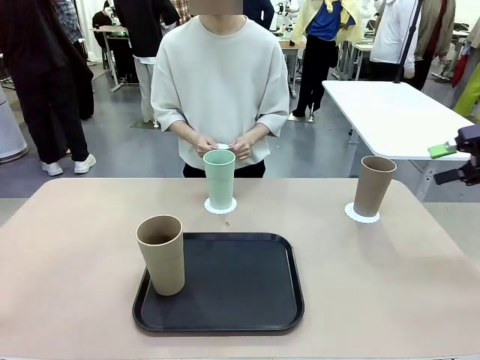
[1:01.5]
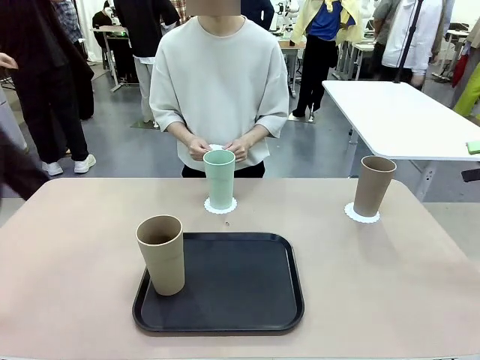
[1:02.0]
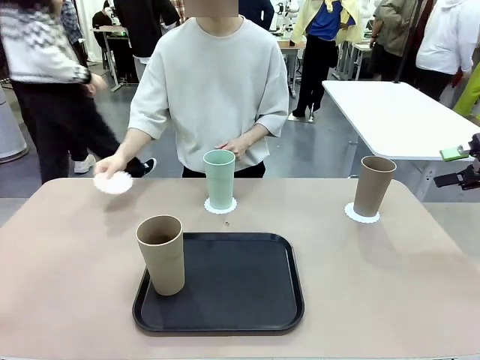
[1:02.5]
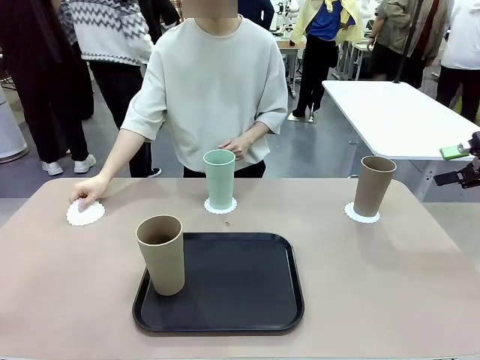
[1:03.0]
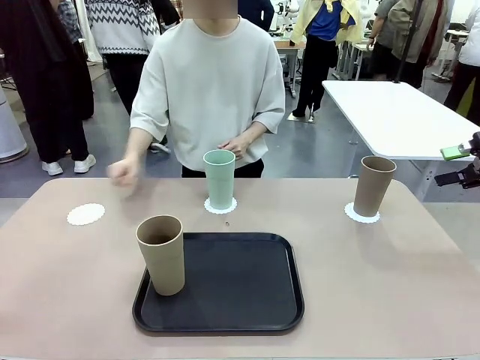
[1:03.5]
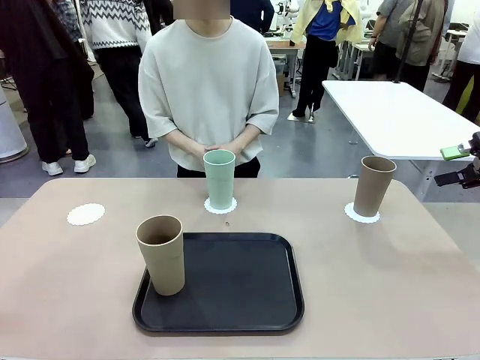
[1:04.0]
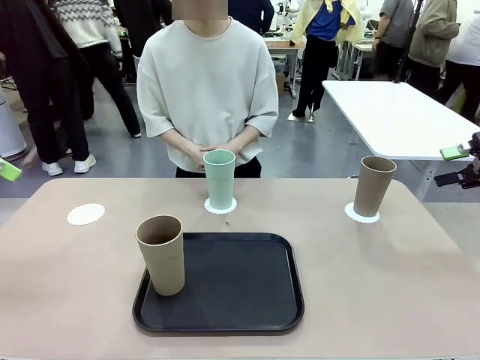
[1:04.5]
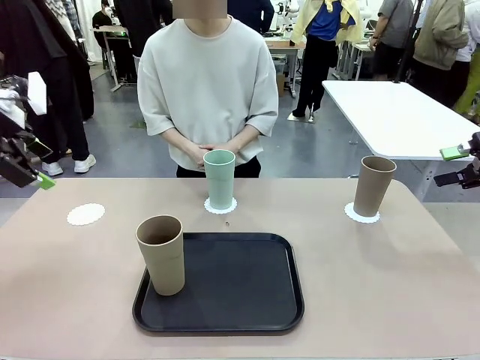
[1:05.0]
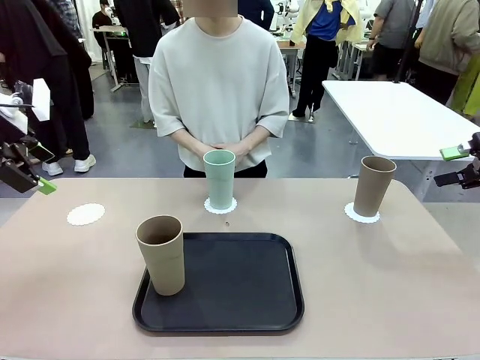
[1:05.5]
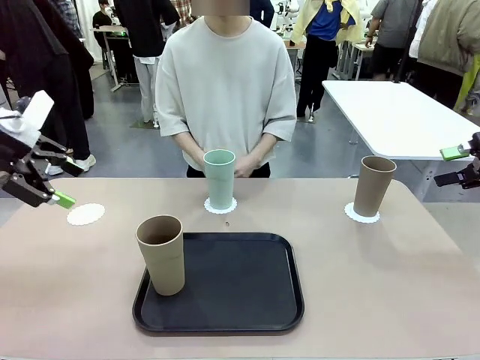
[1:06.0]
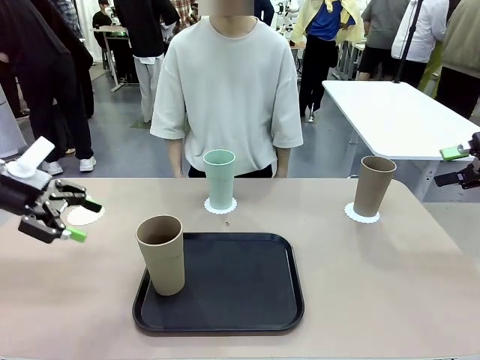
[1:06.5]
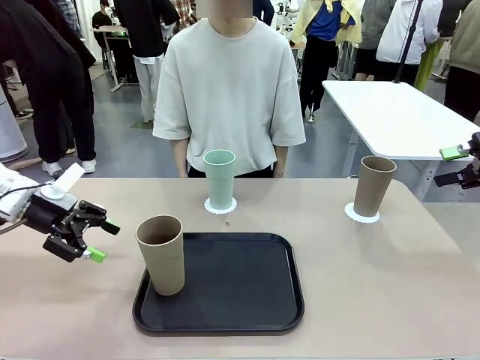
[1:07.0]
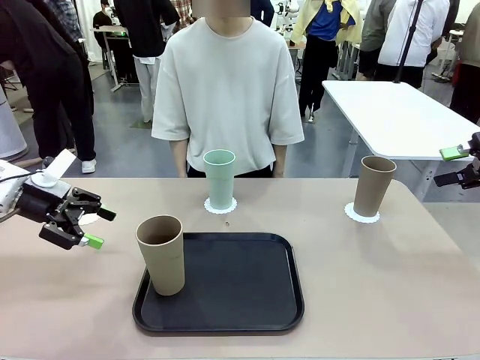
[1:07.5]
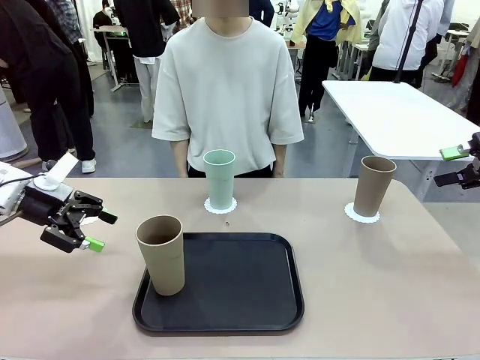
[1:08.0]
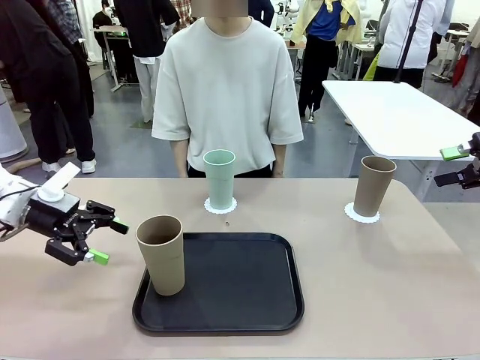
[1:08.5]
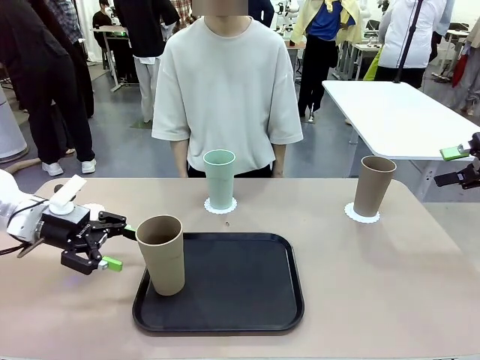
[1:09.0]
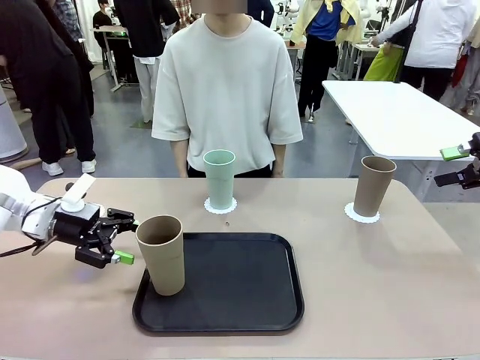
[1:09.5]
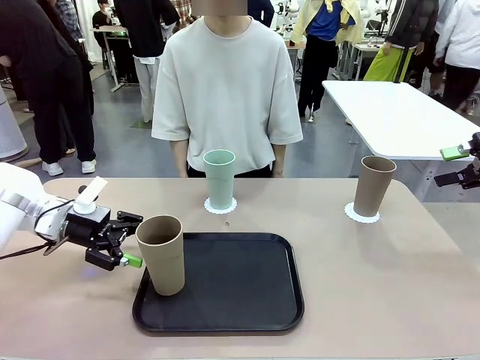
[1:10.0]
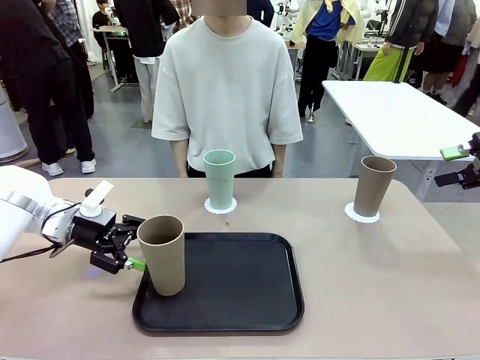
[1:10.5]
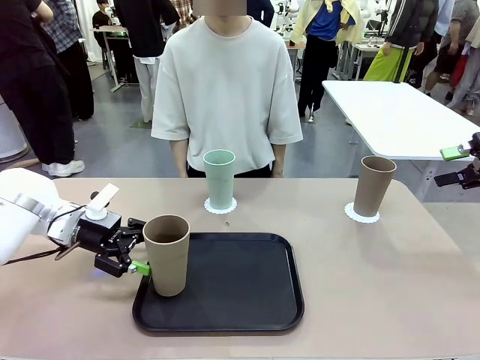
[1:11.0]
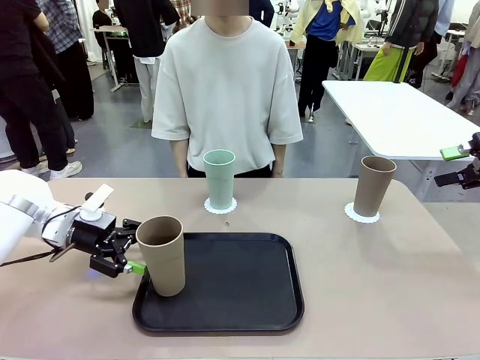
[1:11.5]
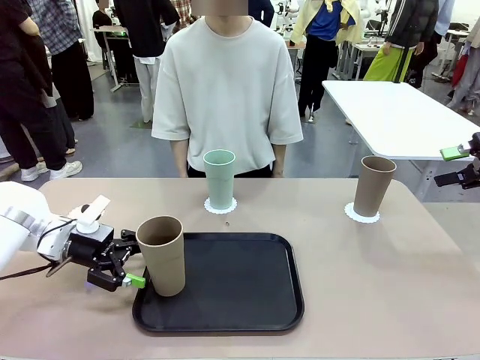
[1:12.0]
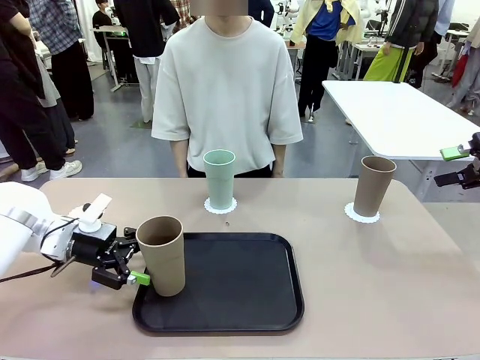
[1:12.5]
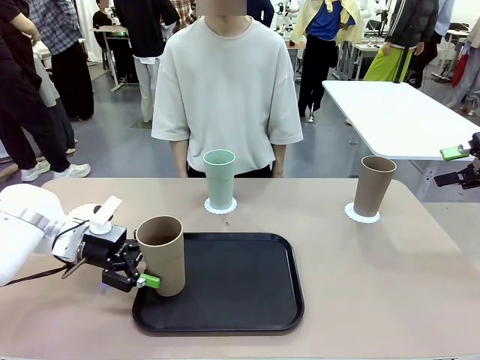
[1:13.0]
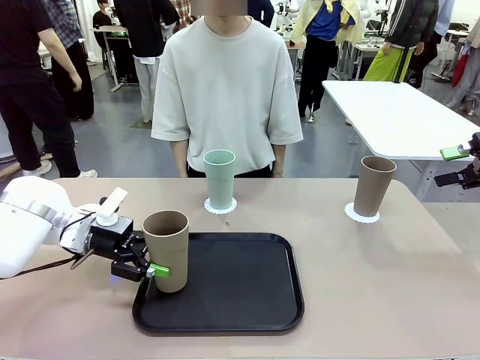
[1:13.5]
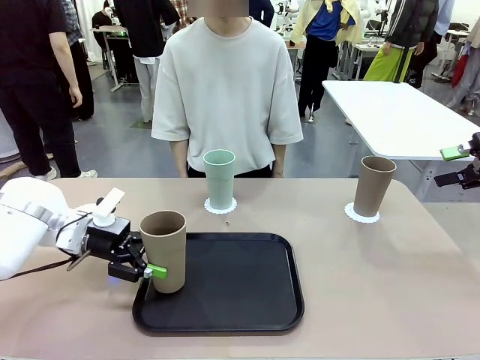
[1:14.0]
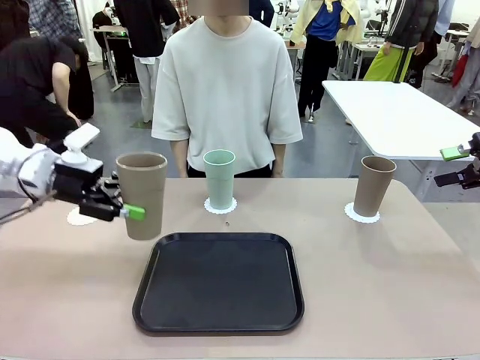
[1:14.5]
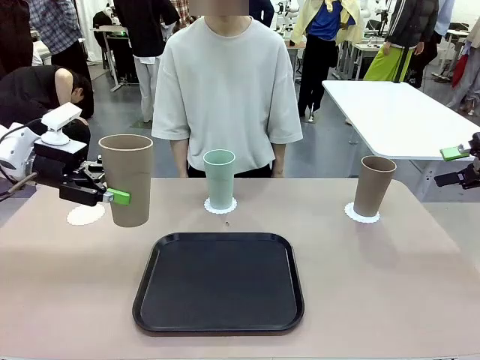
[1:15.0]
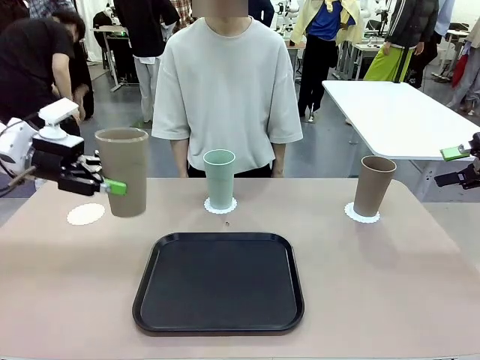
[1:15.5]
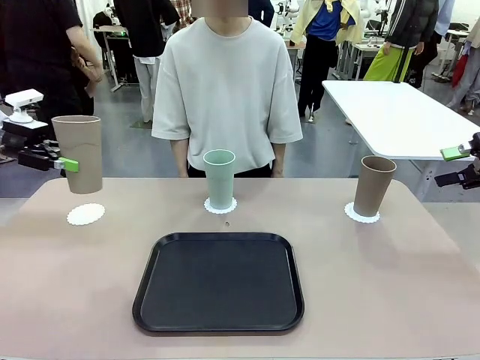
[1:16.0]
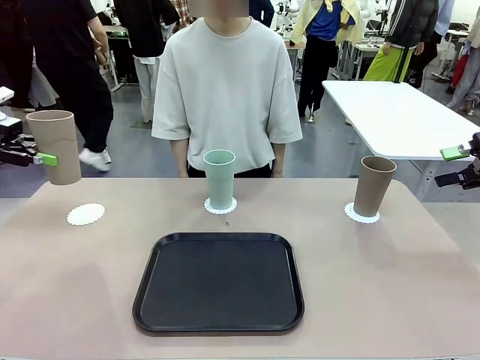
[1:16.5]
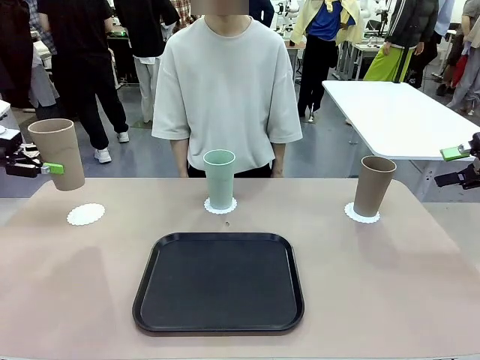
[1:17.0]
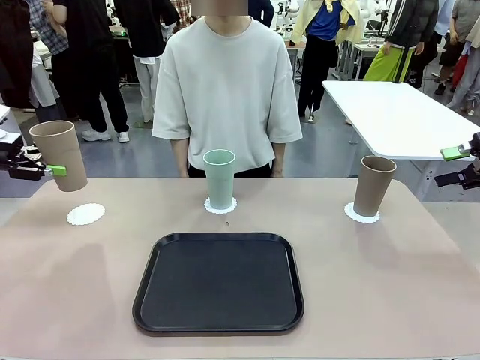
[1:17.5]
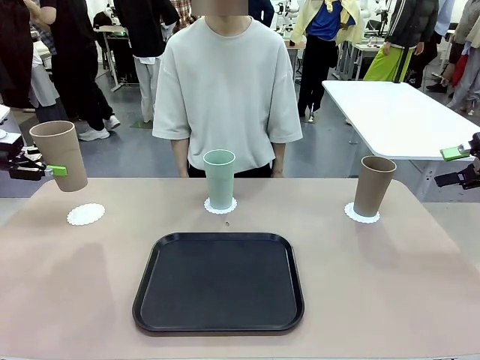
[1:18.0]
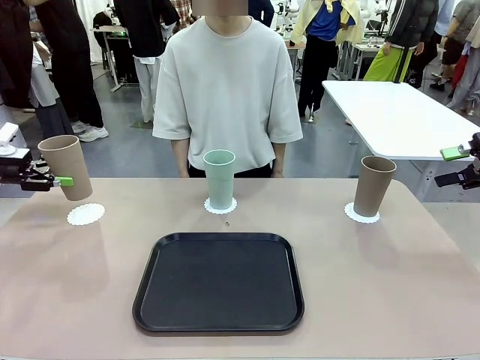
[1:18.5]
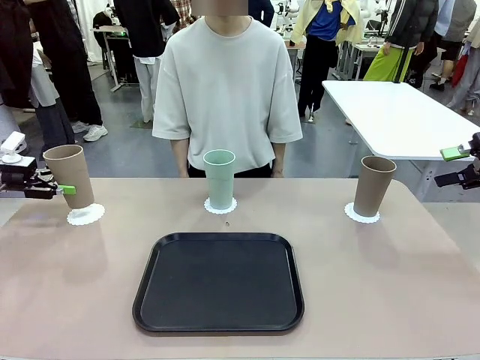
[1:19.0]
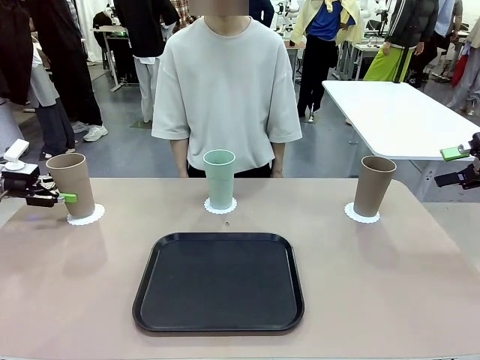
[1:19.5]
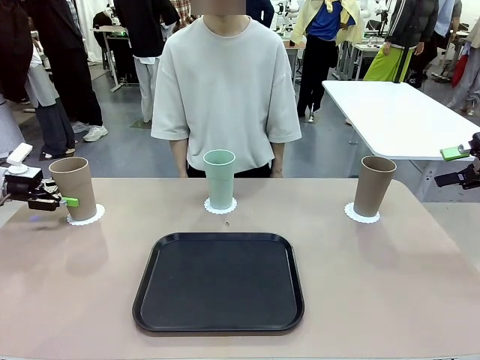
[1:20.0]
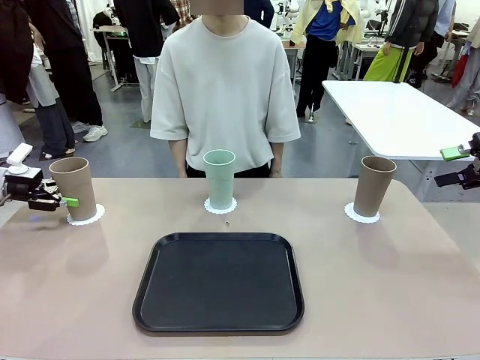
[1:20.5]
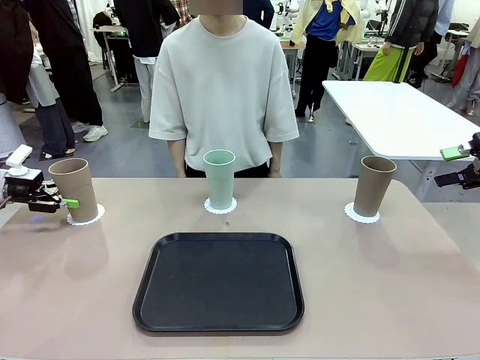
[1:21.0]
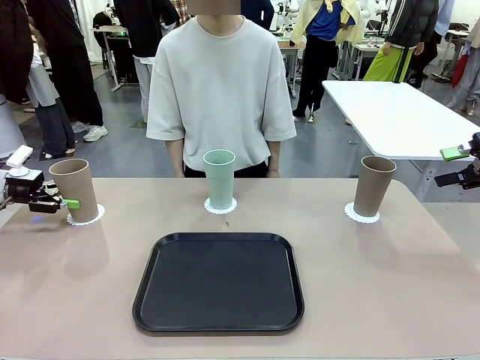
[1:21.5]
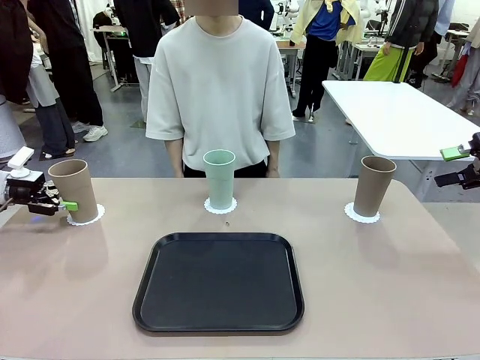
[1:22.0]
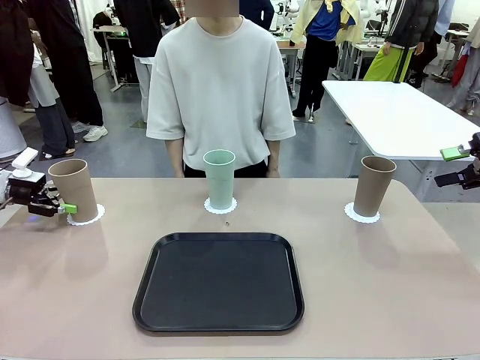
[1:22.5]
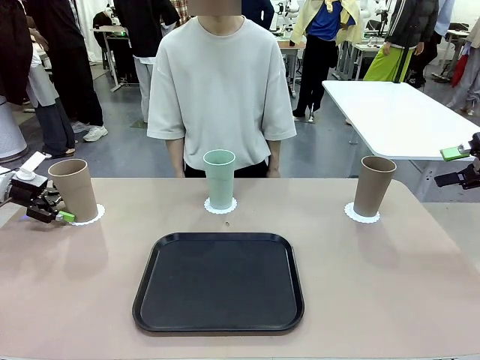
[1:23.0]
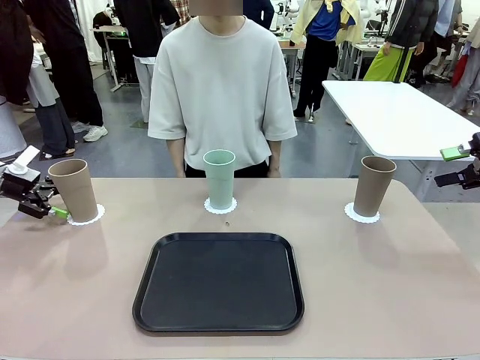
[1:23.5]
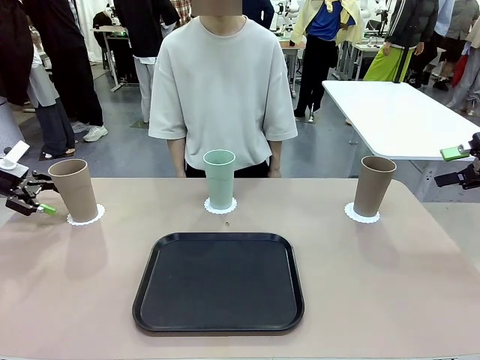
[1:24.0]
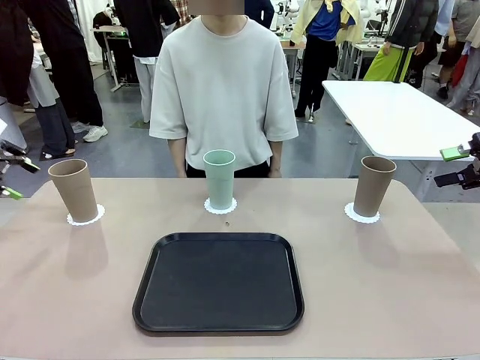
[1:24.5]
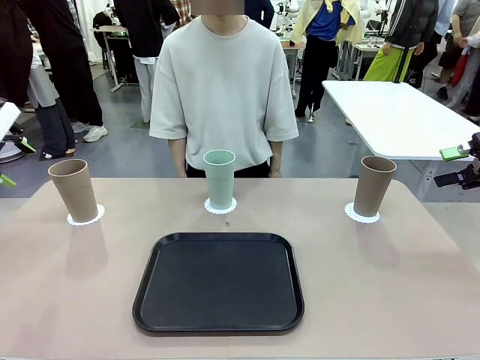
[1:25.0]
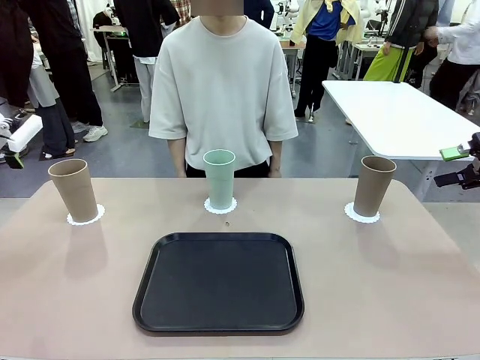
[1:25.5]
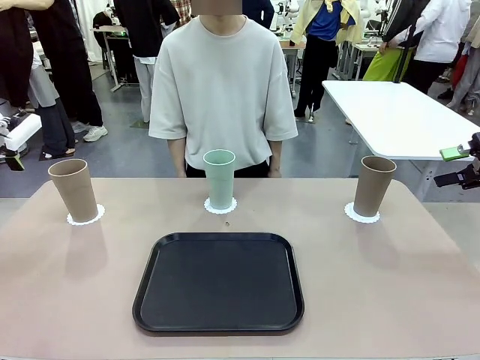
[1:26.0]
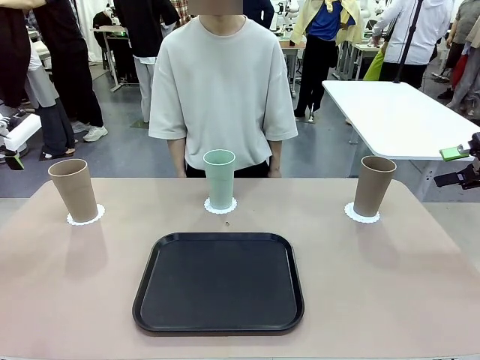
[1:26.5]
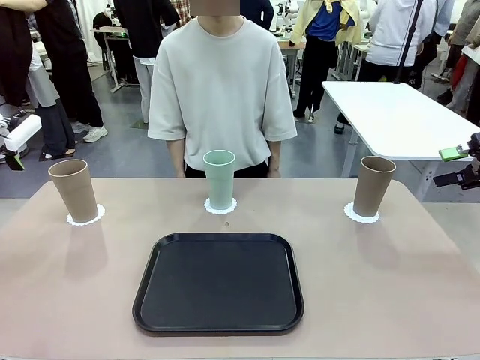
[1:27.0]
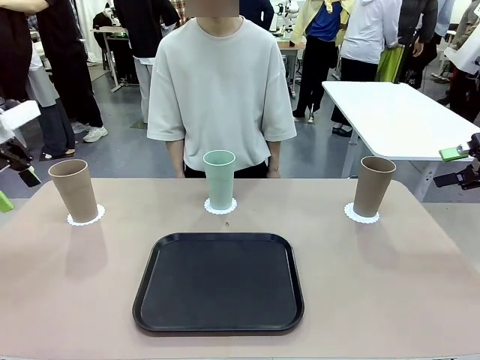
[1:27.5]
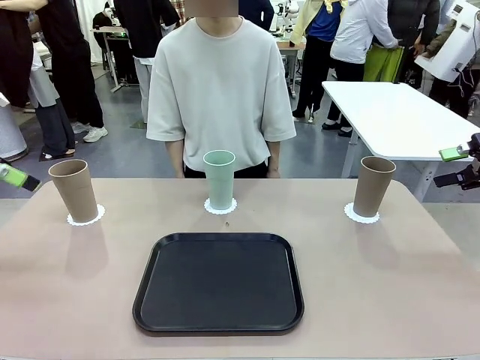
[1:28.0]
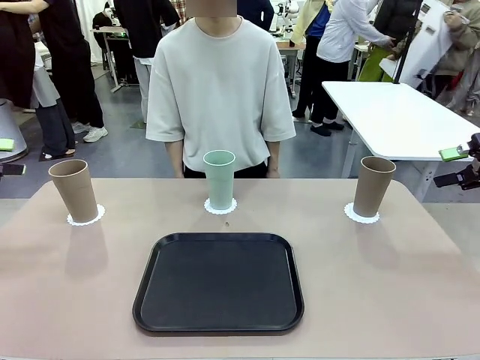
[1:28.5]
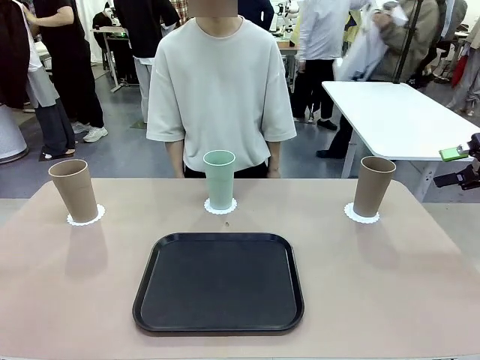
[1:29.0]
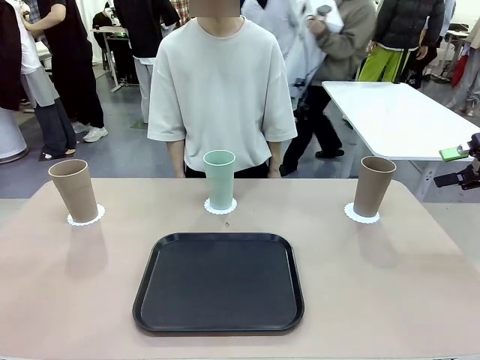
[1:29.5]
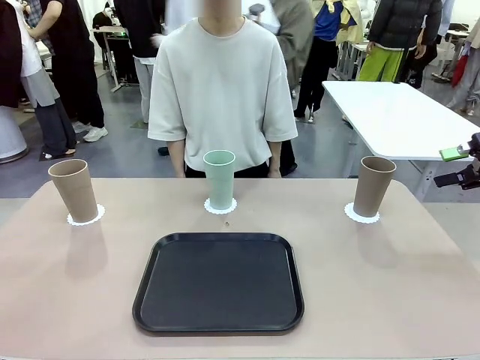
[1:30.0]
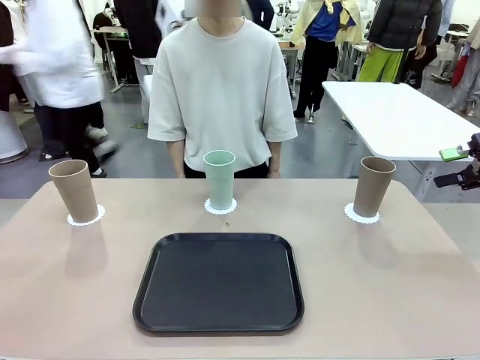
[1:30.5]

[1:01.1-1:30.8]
Task: Place coasters on the table and set cups on them.
Robot: Take one Reusable plastic cup from the Flat Tray and place it on a coaster set by the human.
Person: Place one coaster in the only remaining area.
